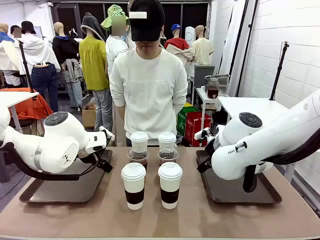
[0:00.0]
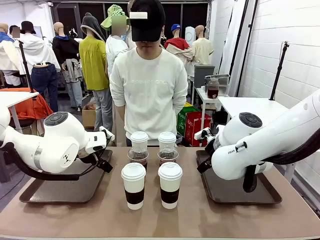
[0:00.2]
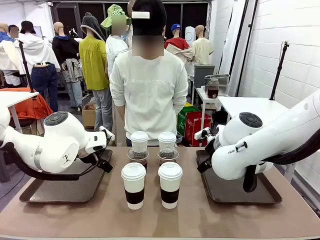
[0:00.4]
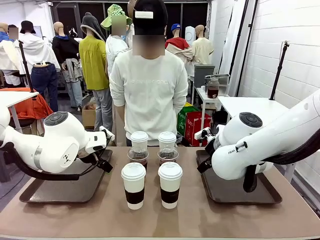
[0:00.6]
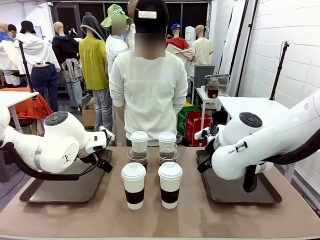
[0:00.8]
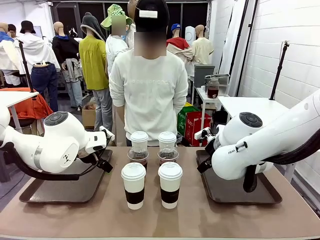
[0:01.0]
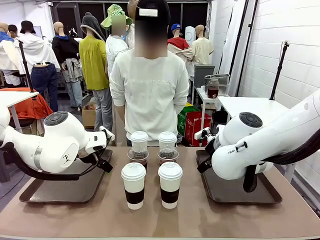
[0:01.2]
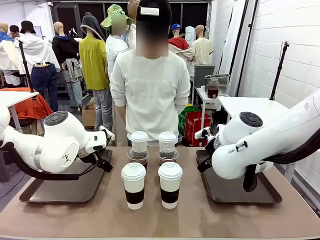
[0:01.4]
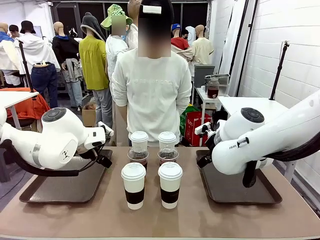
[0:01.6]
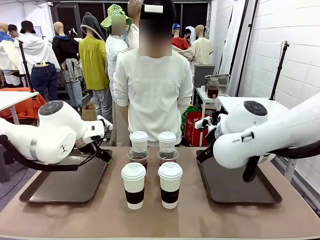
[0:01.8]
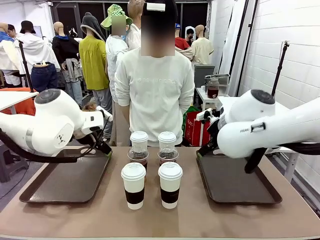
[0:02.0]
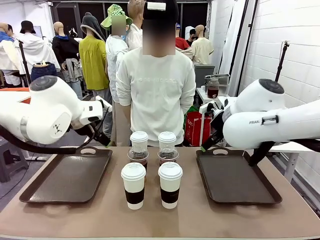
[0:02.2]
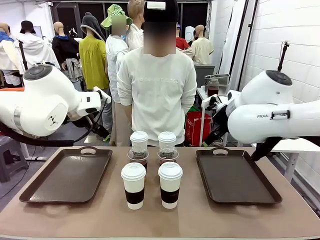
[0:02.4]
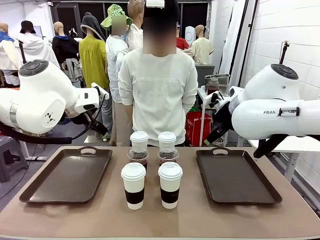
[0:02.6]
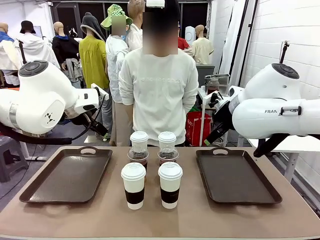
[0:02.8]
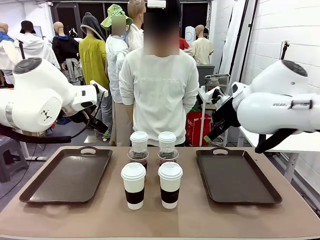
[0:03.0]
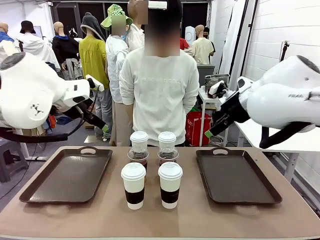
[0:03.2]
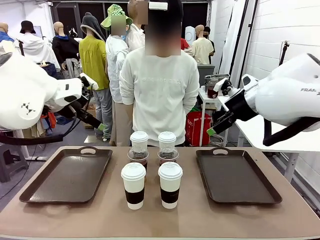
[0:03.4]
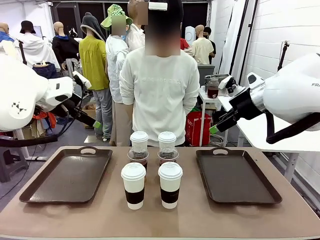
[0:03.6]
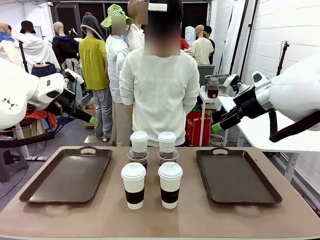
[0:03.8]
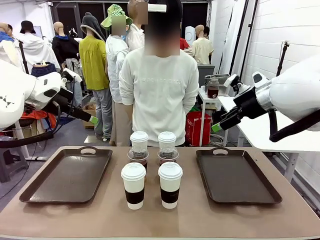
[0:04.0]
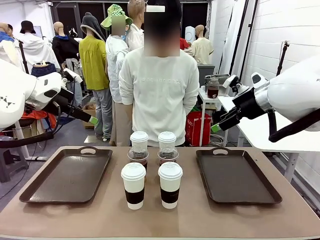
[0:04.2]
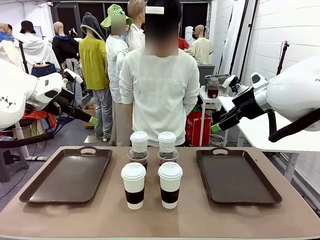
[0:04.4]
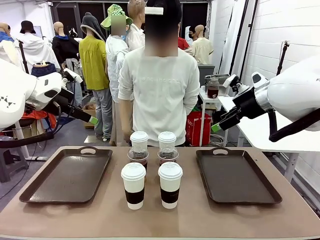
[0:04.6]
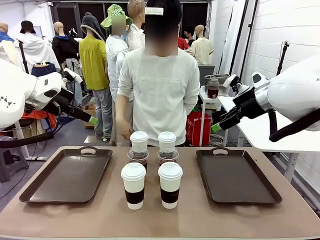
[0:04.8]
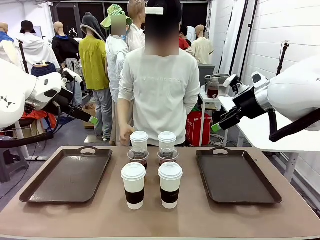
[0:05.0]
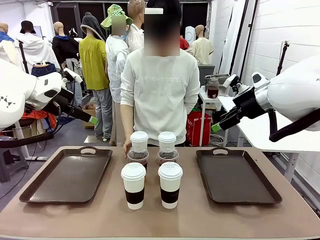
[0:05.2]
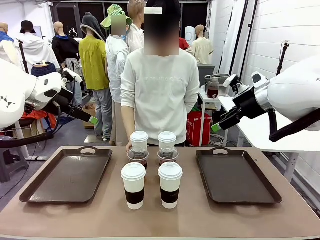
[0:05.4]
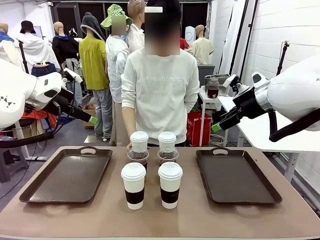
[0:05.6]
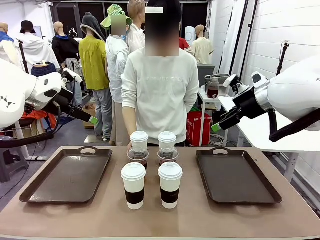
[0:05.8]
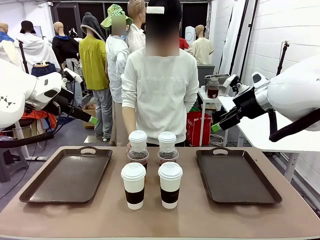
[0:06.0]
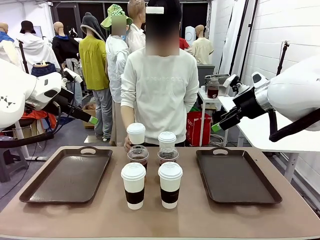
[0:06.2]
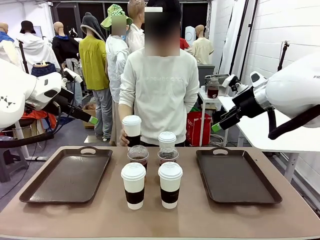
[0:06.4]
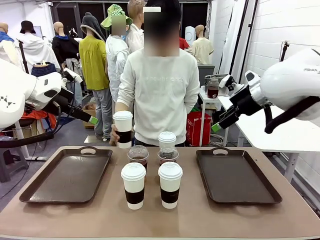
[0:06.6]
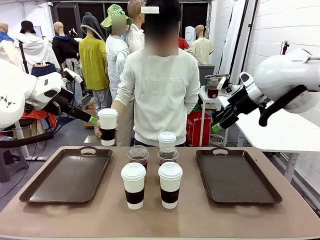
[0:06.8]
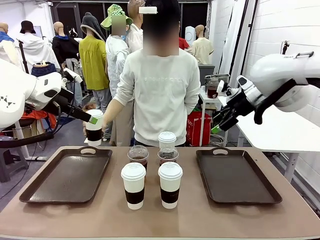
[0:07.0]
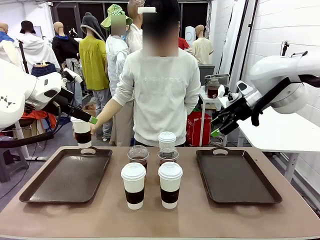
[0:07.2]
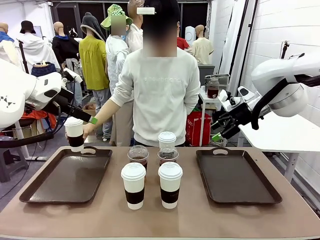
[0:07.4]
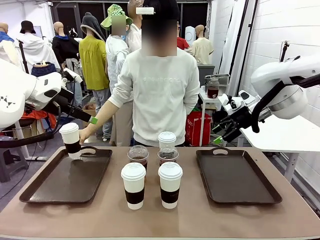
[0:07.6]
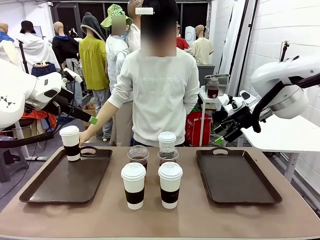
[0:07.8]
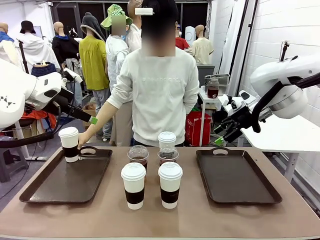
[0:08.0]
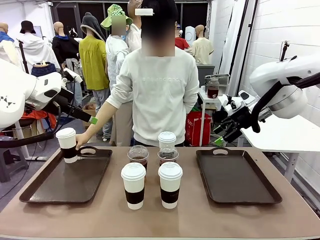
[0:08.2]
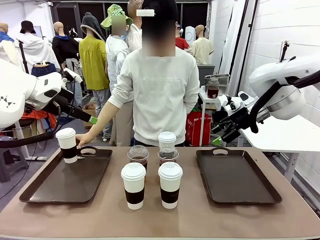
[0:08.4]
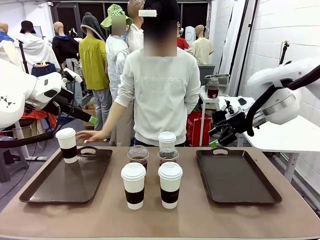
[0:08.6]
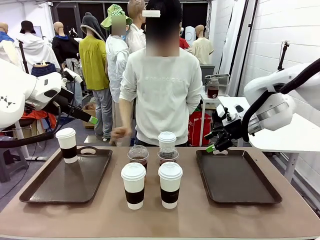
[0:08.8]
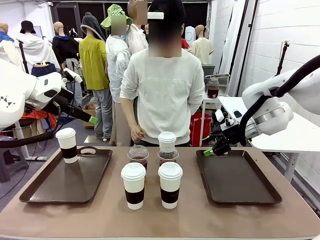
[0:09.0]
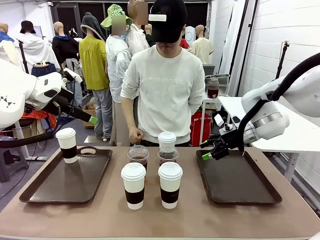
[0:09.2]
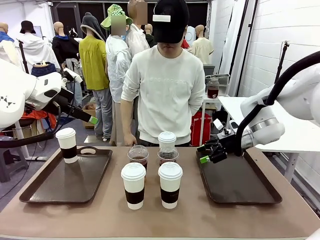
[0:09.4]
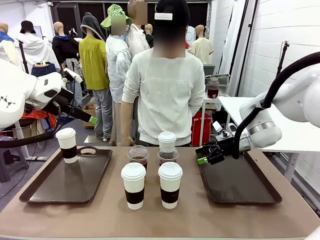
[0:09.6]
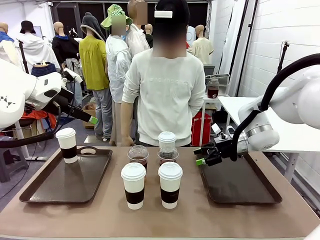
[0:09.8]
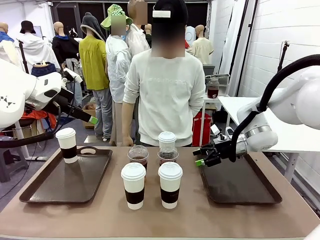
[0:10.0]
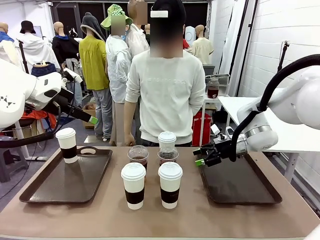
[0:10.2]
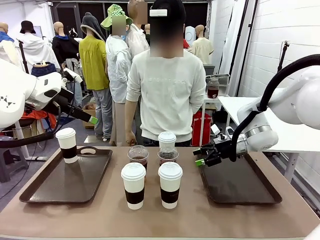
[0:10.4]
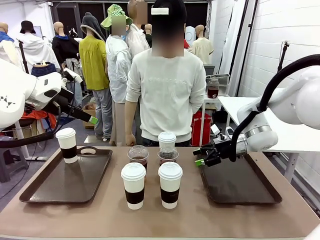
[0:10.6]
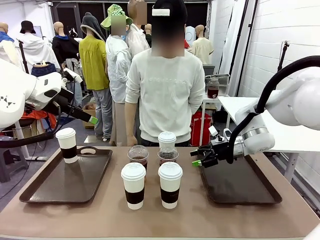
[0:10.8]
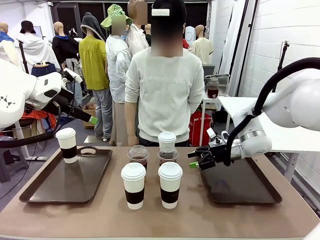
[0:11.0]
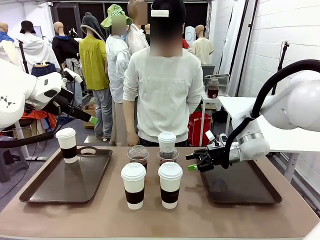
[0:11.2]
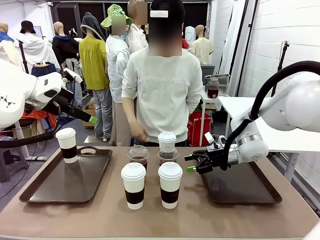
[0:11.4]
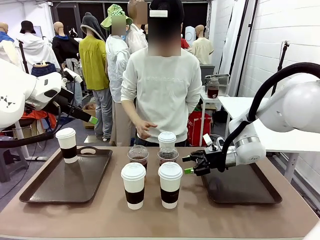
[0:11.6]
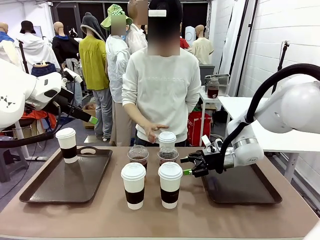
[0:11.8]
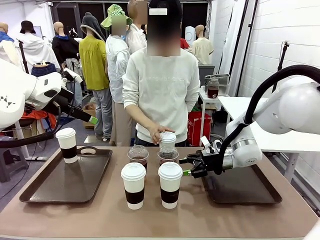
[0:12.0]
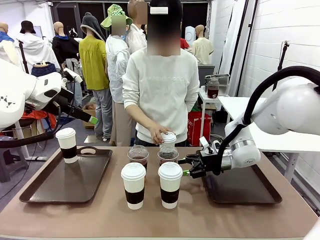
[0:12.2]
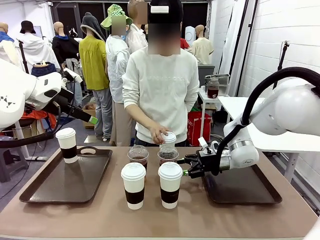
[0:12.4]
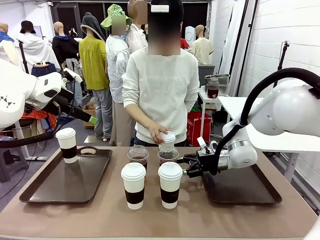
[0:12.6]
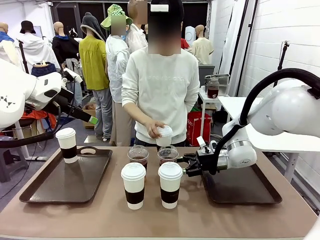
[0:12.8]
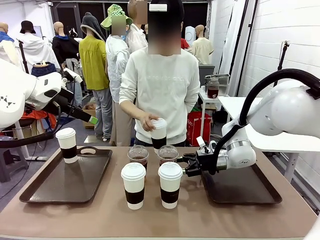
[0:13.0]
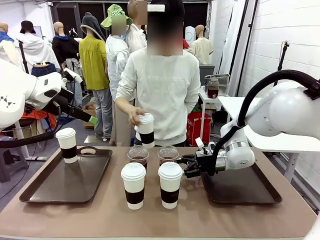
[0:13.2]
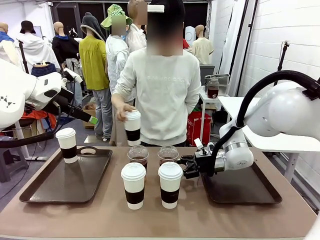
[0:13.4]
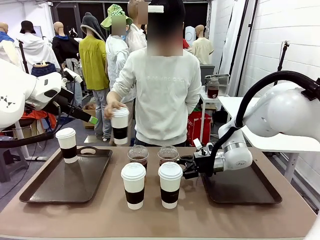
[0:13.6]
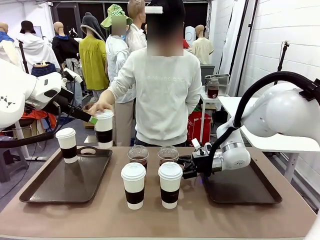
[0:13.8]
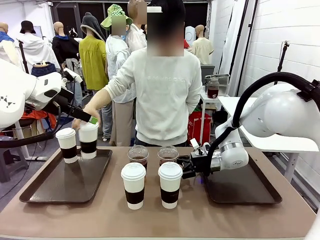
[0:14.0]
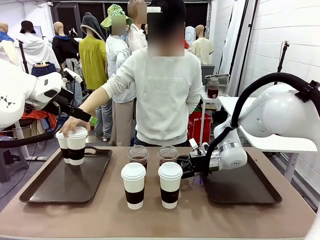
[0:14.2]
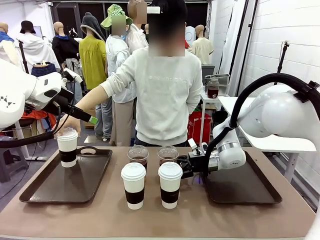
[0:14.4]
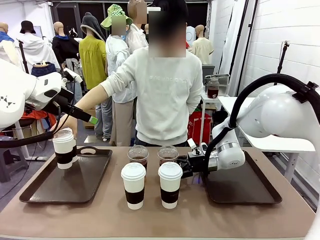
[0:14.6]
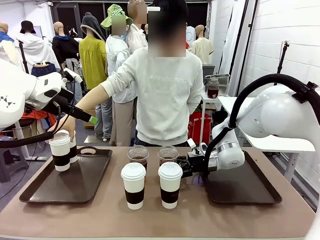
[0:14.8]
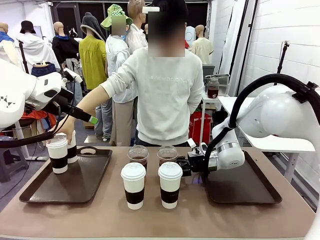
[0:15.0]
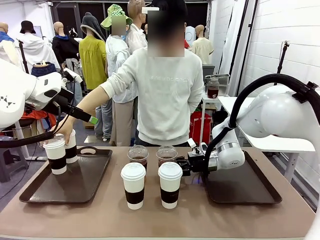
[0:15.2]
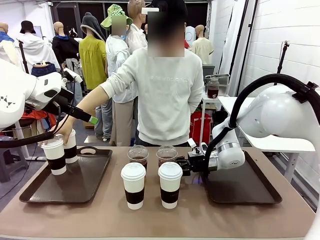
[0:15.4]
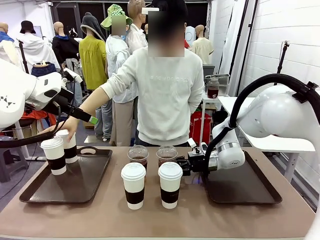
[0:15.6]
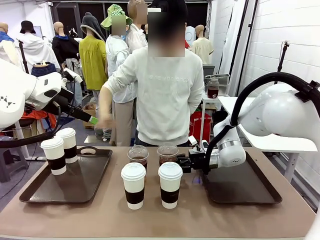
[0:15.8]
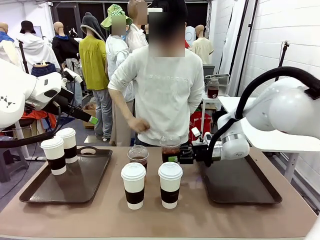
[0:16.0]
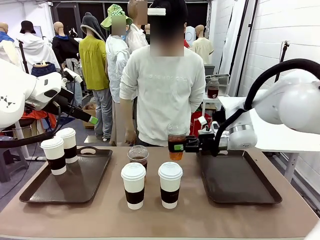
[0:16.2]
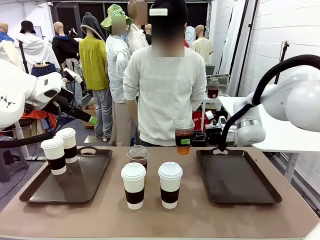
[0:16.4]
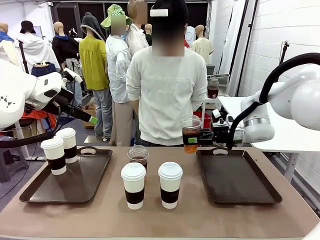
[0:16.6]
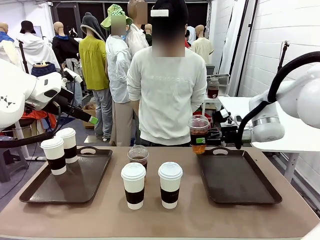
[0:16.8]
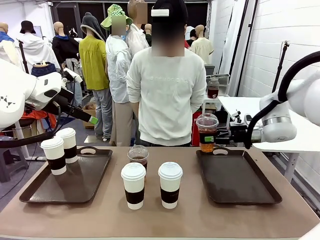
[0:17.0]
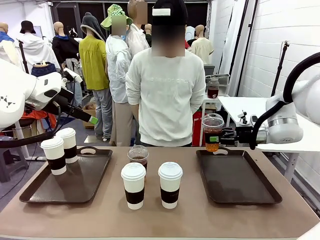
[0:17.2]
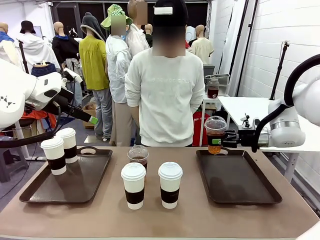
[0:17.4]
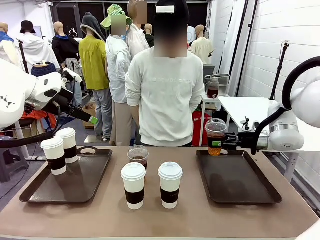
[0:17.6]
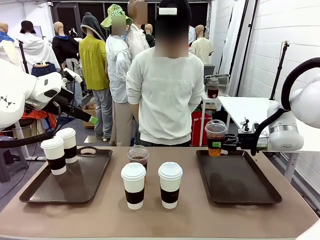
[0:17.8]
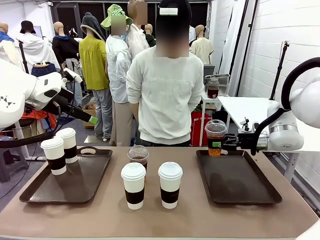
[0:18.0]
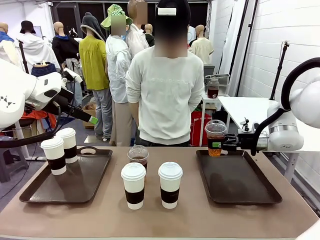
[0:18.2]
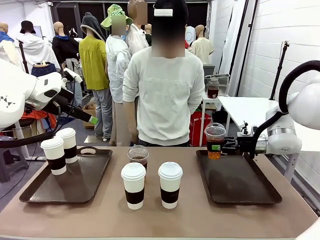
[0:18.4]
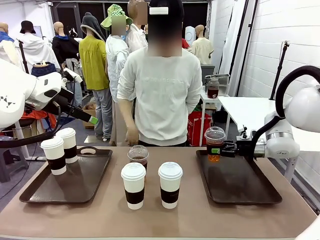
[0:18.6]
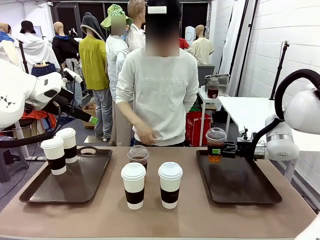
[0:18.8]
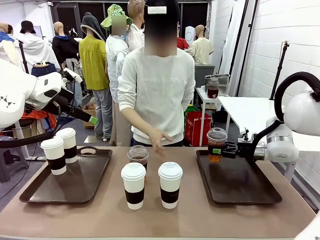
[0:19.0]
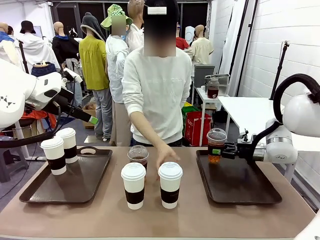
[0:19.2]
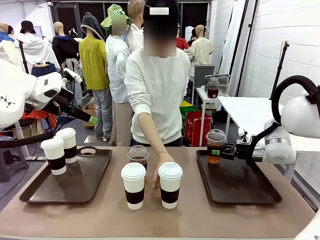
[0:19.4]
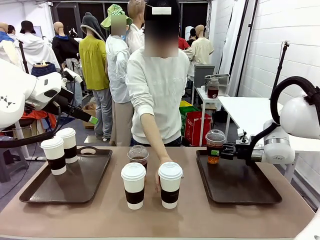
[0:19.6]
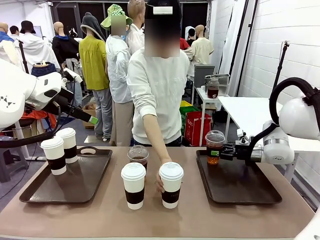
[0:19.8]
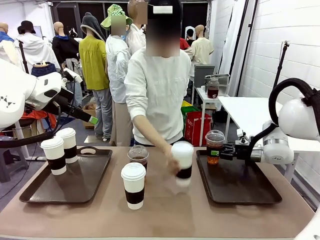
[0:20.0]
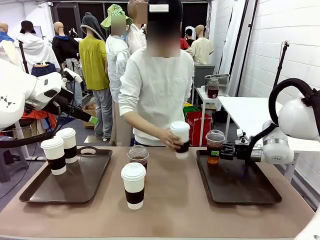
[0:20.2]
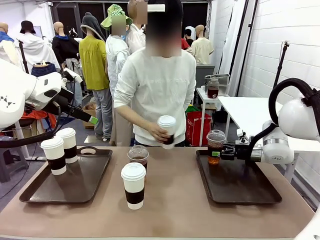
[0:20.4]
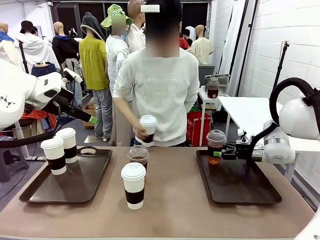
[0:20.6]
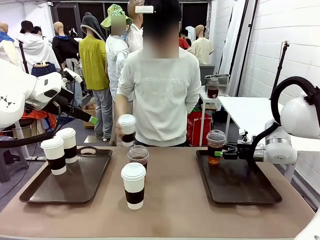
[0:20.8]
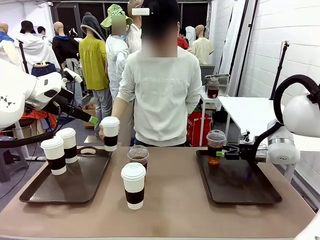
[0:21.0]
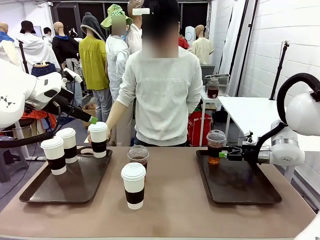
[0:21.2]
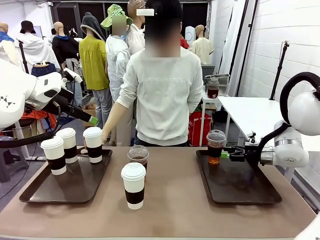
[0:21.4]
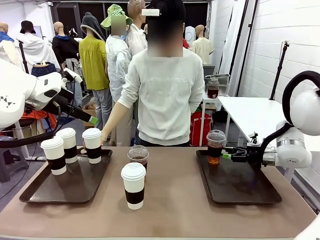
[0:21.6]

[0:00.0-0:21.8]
Task: Distribute the coffee onto the tray.
Robot: Pick up one iced Americano and place it on the right Handle tray.
Person: Pick up a cup of hot Americano and place it on the right tray.
